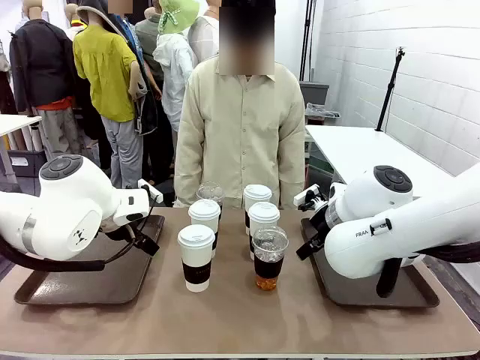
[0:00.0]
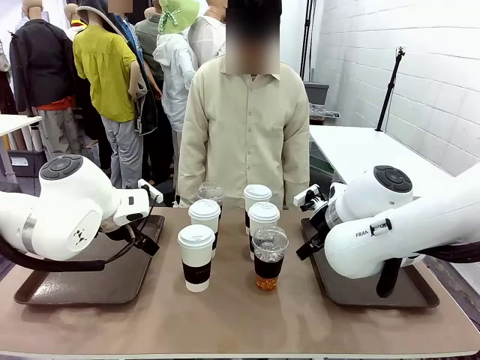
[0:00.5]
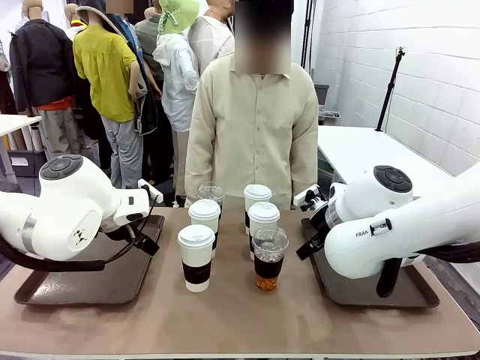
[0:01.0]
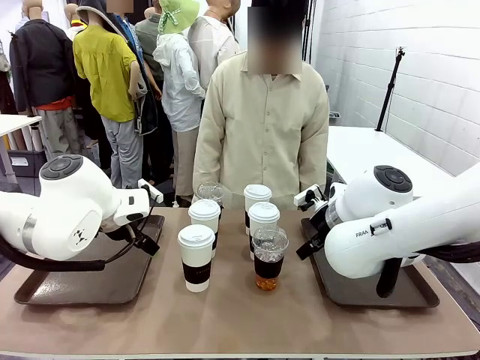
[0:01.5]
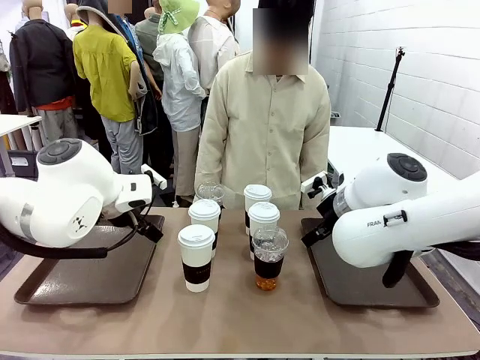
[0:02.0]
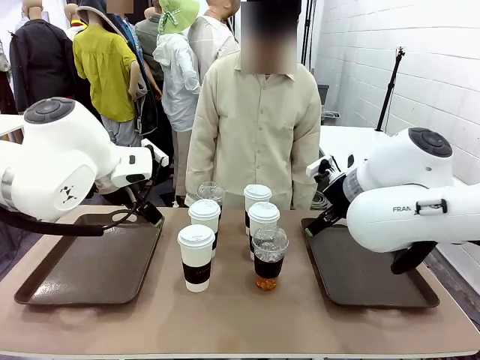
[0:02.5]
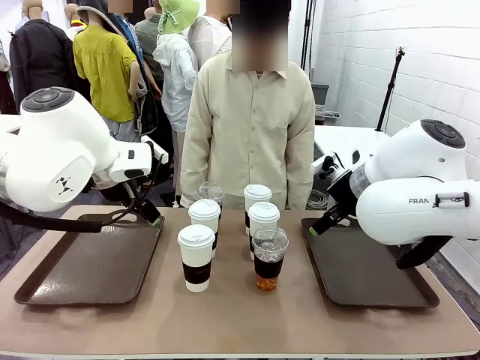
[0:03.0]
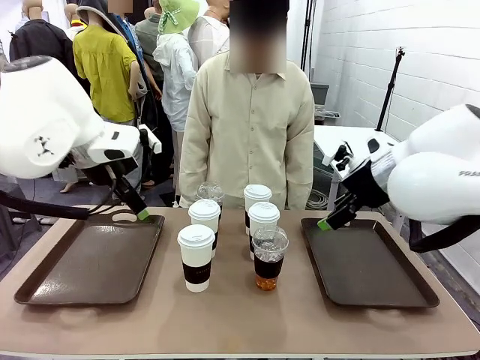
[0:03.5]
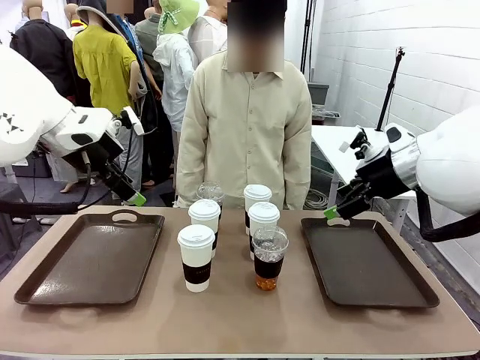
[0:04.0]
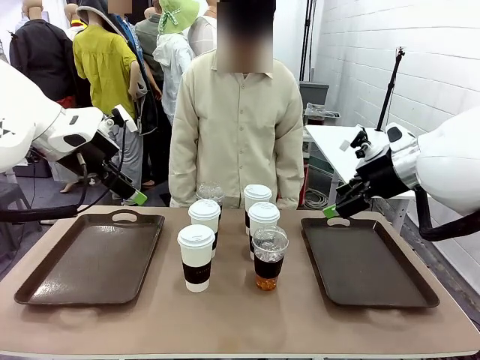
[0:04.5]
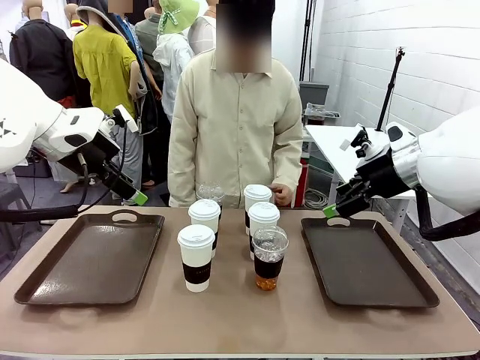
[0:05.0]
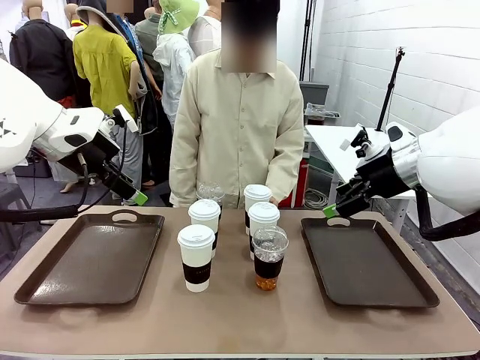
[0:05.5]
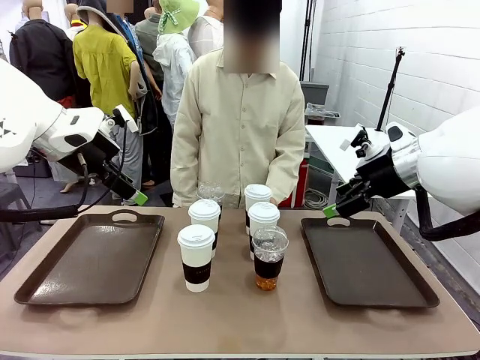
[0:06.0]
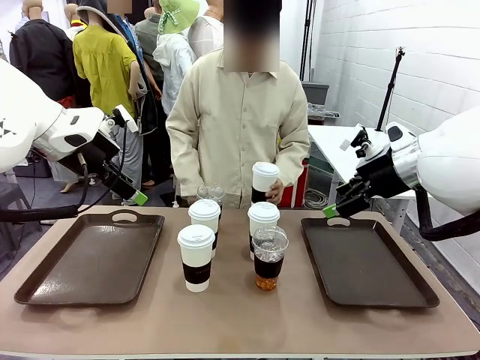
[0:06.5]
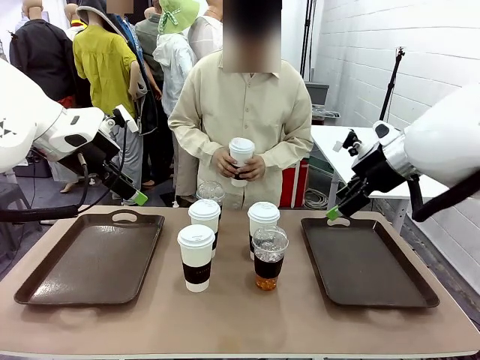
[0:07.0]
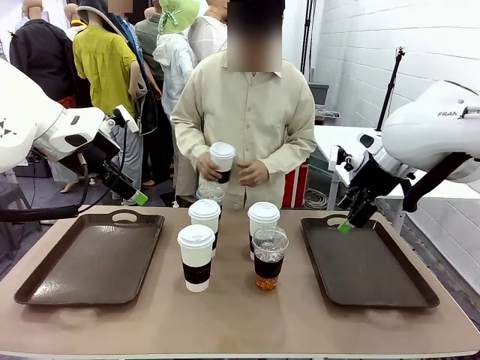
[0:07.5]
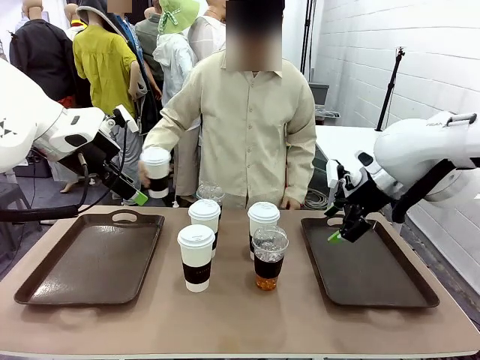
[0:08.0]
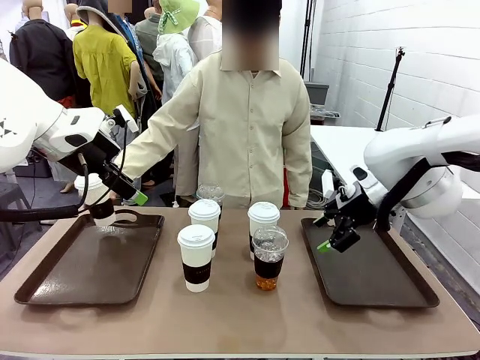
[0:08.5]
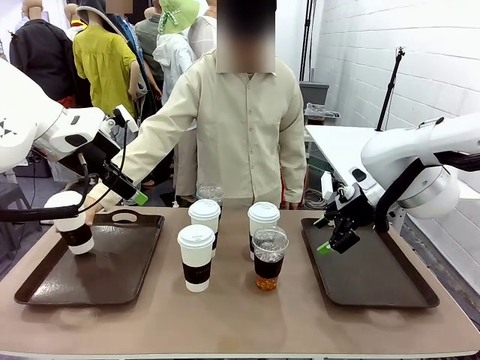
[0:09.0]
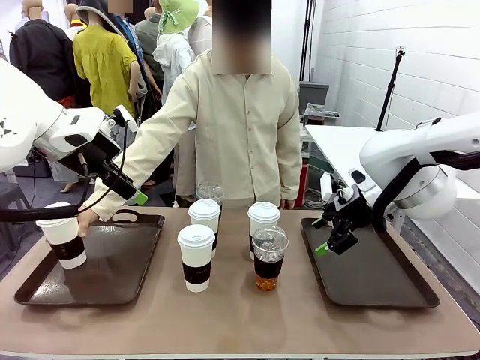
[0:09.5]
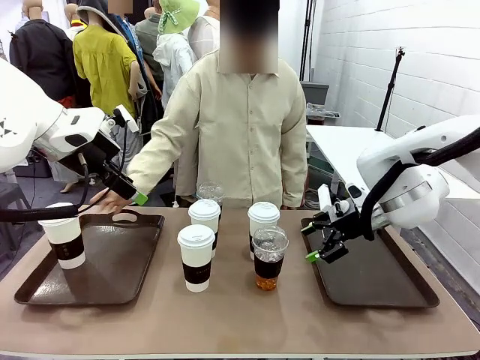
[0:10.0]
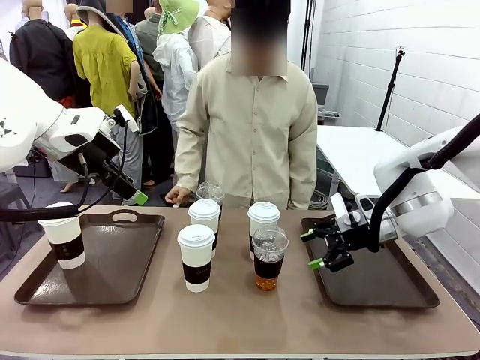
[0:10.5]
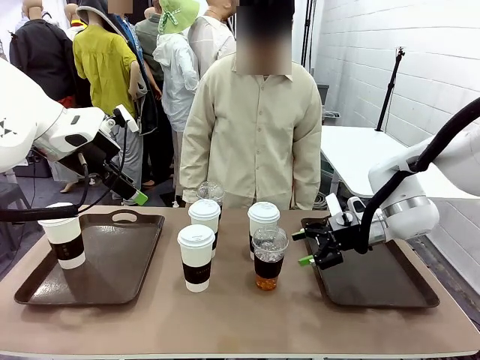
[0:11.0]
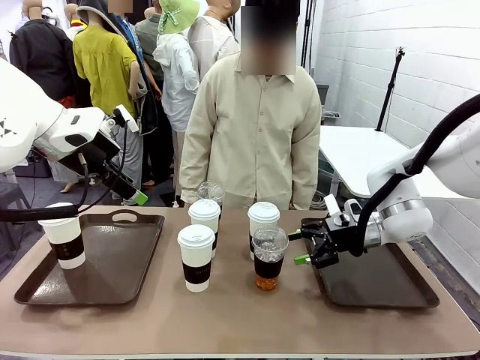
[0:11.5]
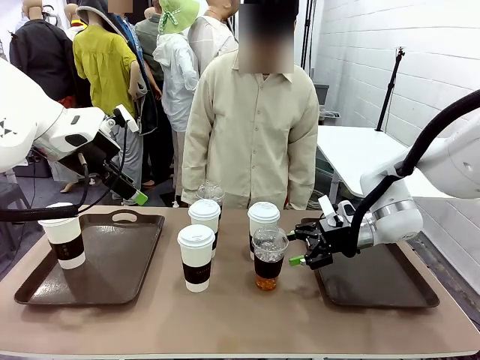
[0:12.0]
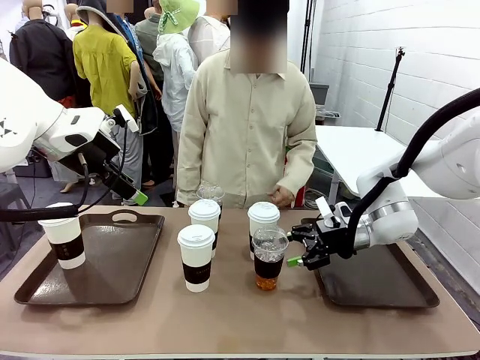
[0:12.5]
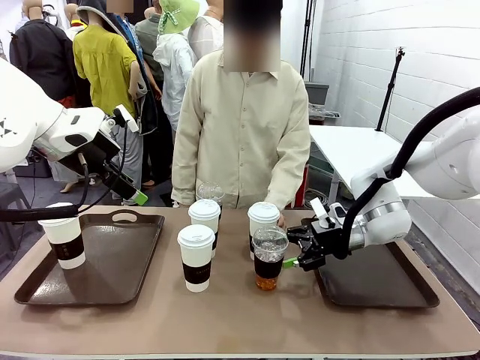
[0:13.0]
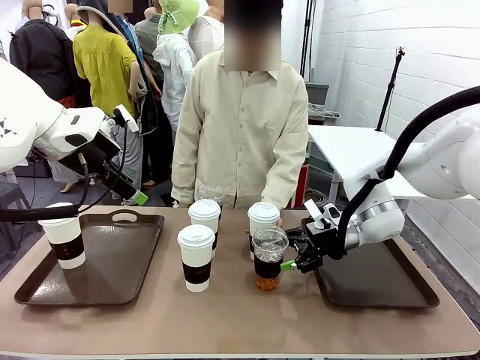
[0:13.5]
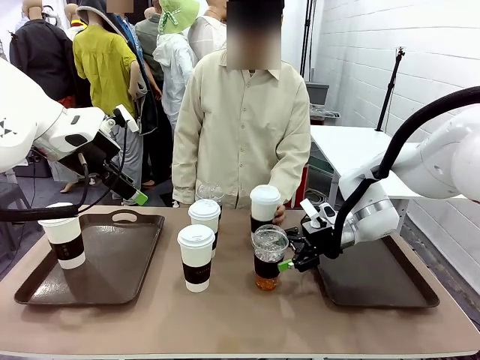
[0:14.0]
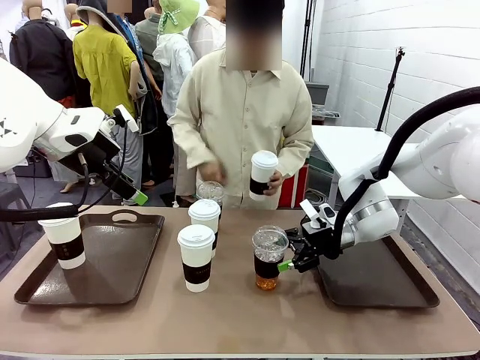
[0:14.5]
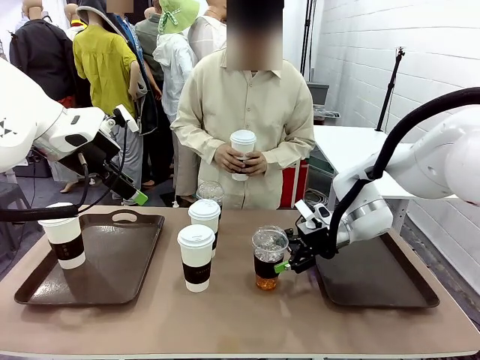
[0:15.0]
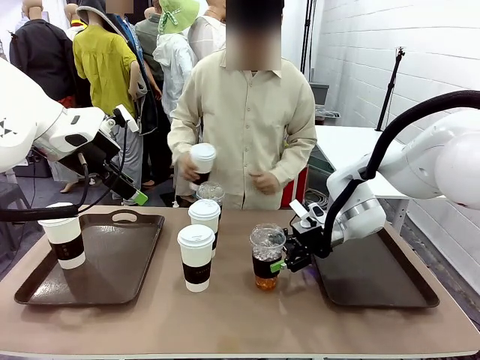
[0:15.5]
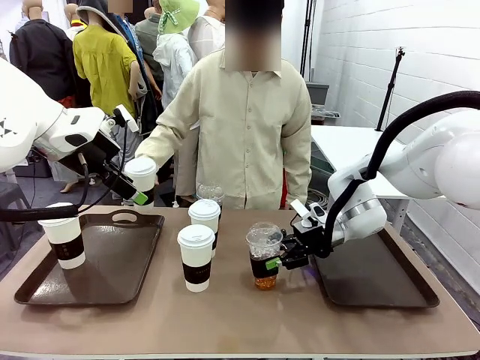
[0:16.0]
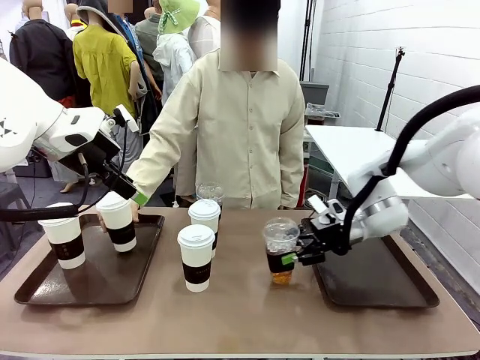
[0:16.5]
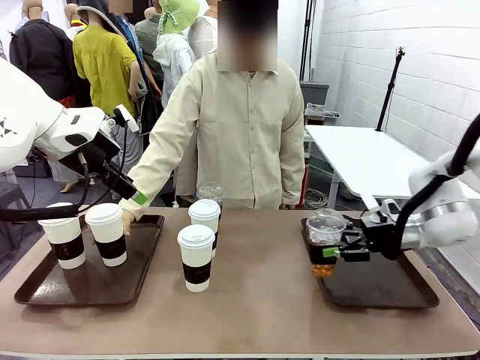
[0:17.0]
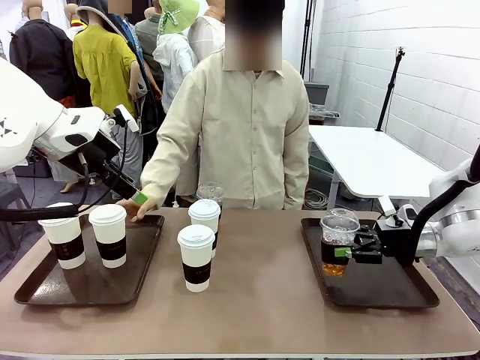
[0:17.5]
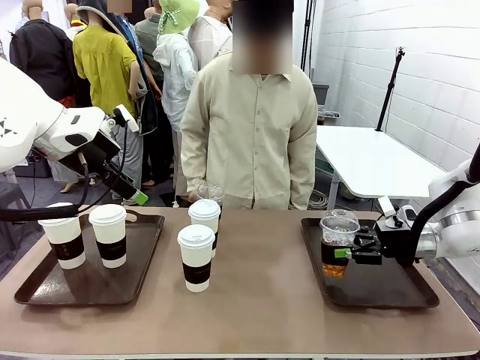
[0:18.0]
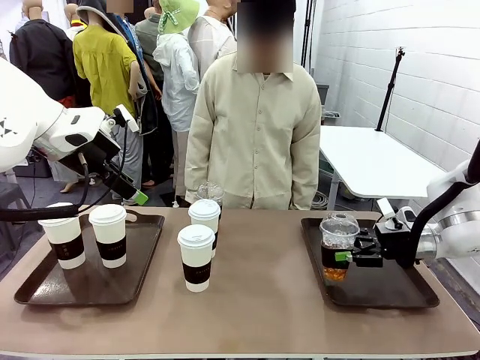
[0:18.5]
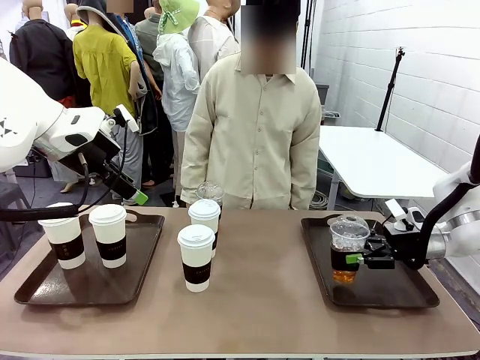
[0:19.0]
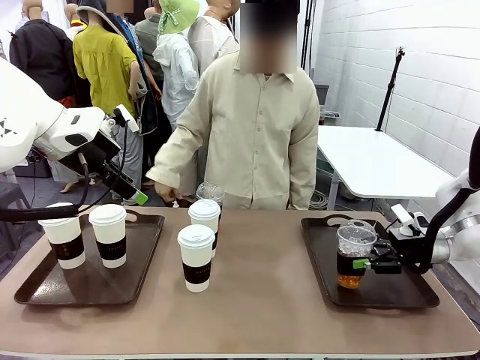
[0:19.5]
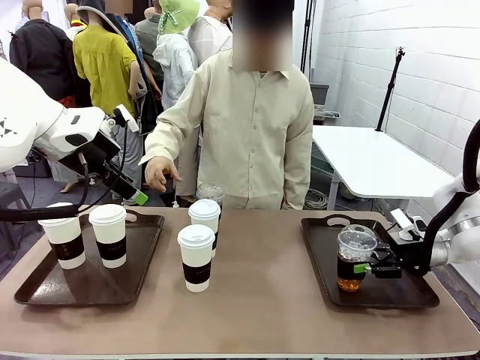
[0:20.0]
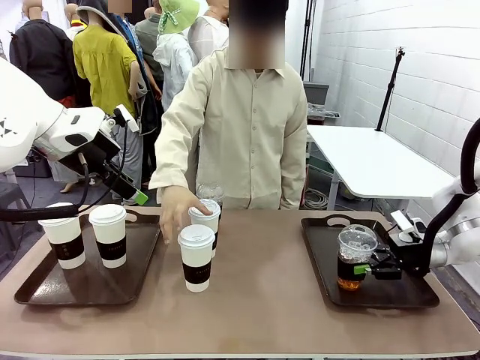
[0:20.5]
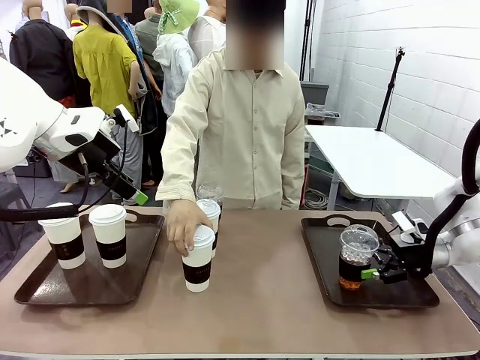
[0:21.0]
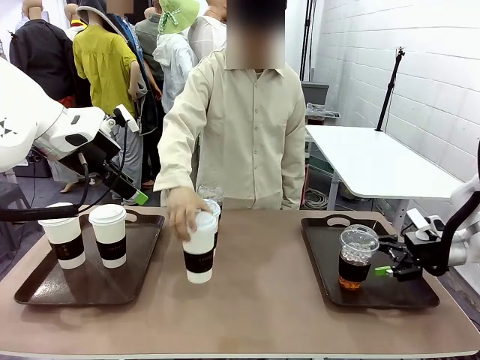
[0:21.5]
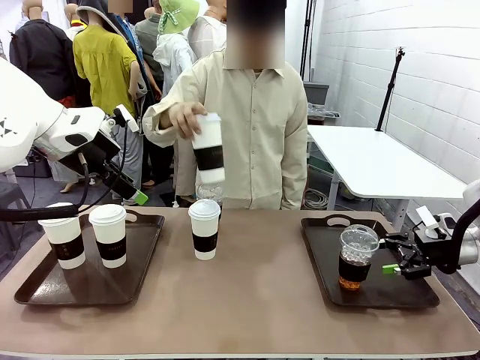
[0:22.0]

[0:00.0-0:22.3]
Task: Distribute the coffee onto the tray.
Robot: Pick up one iced Americano and place it on the right Handle tray.
Person: Pick up a cup of hot Americano and place it on the right tray.
